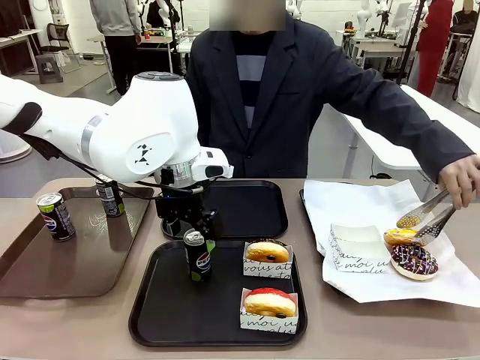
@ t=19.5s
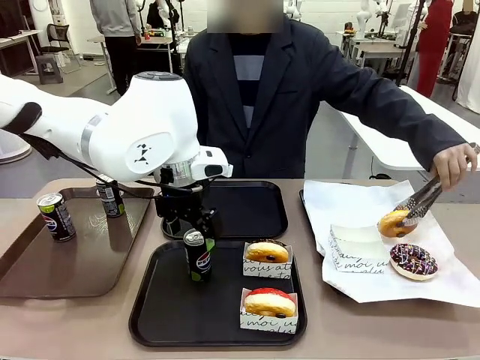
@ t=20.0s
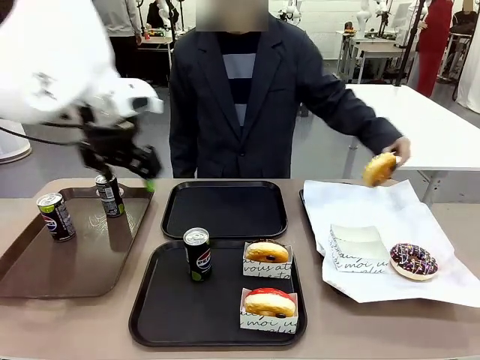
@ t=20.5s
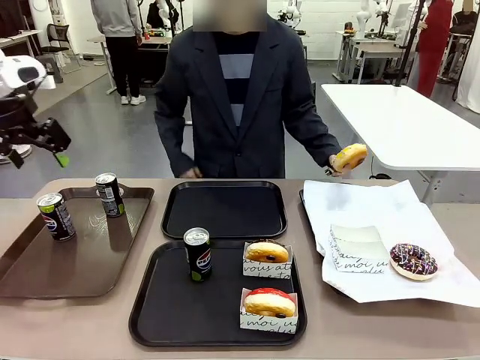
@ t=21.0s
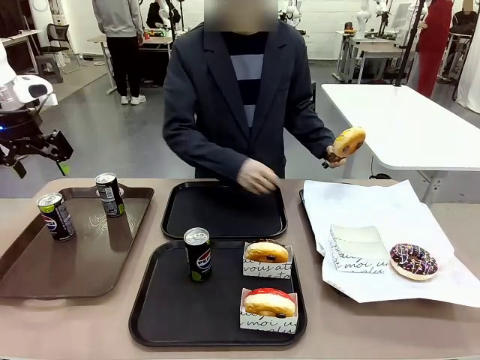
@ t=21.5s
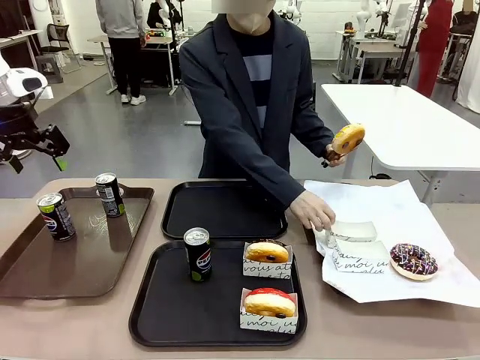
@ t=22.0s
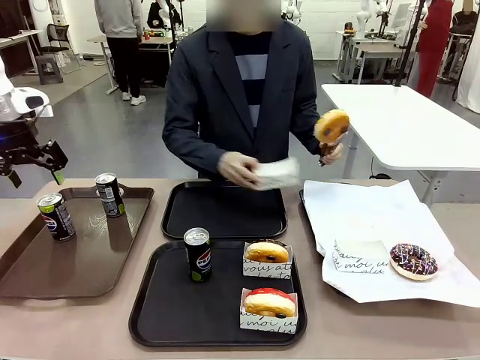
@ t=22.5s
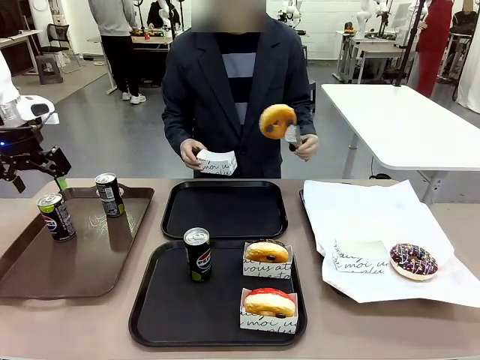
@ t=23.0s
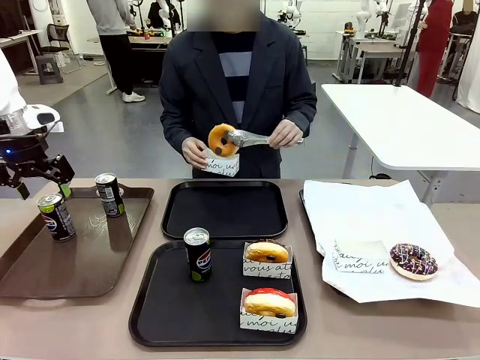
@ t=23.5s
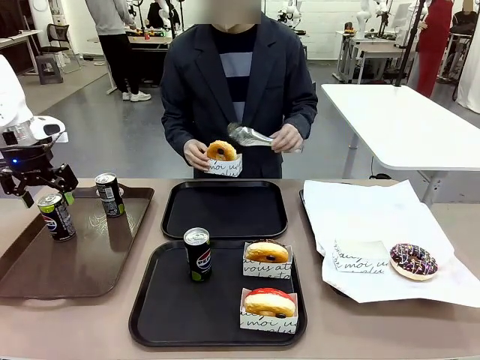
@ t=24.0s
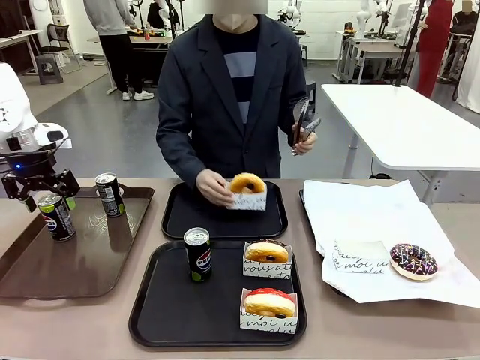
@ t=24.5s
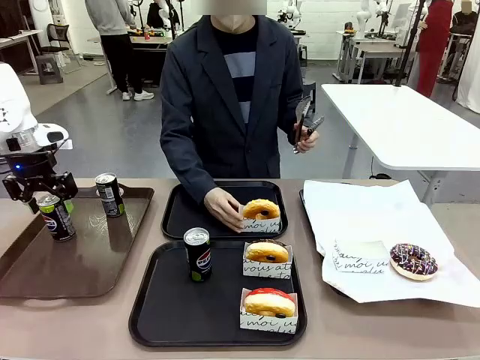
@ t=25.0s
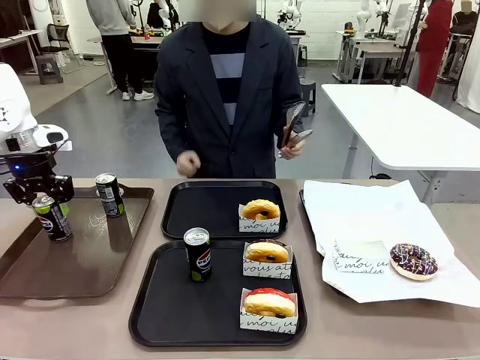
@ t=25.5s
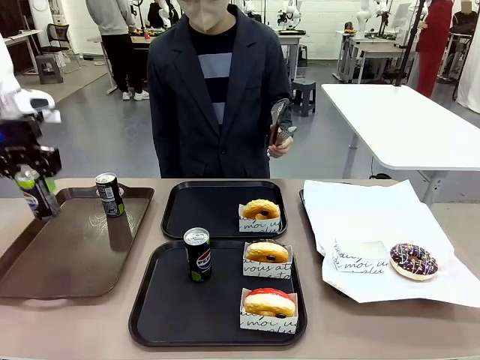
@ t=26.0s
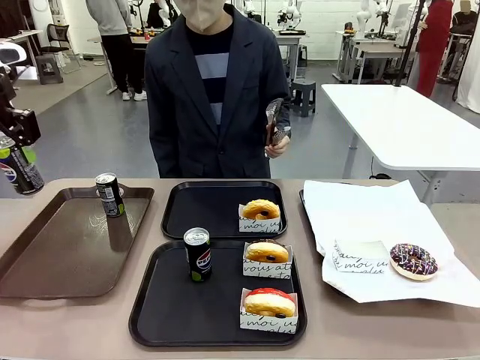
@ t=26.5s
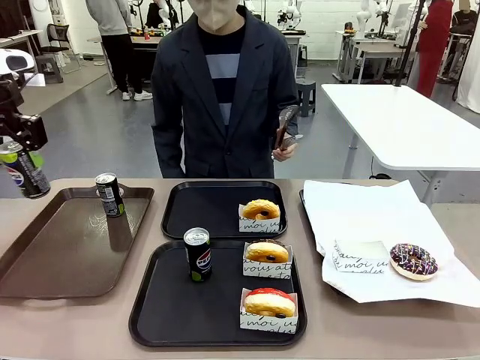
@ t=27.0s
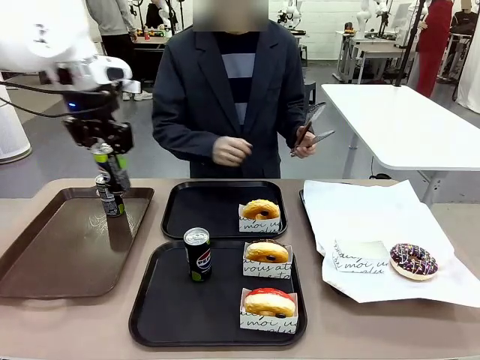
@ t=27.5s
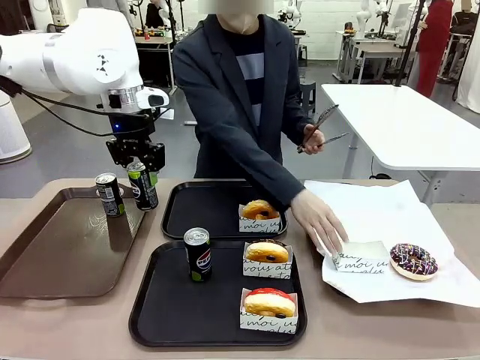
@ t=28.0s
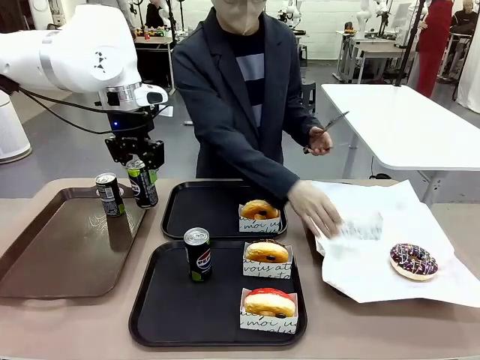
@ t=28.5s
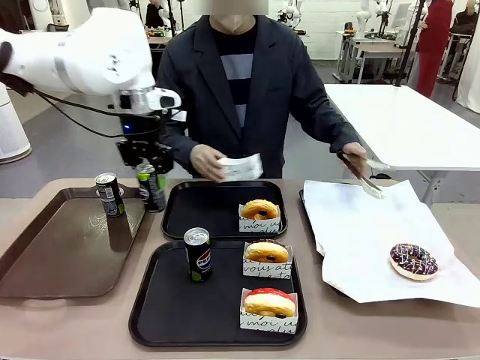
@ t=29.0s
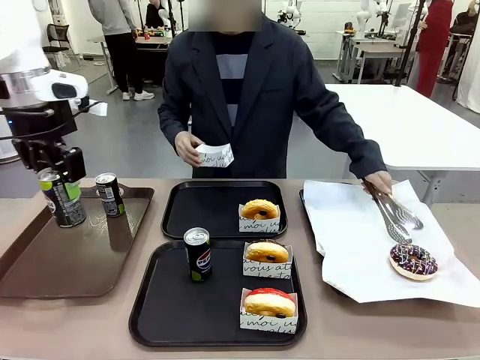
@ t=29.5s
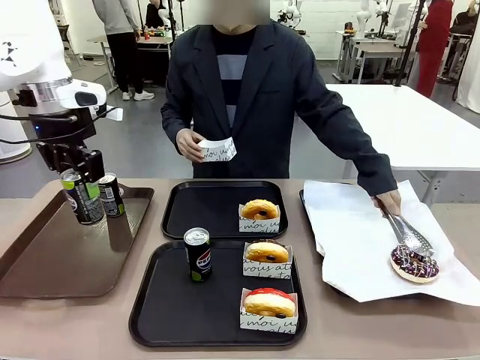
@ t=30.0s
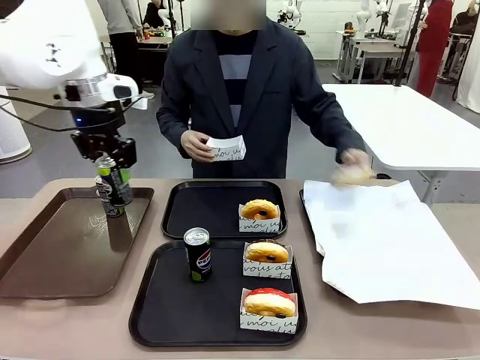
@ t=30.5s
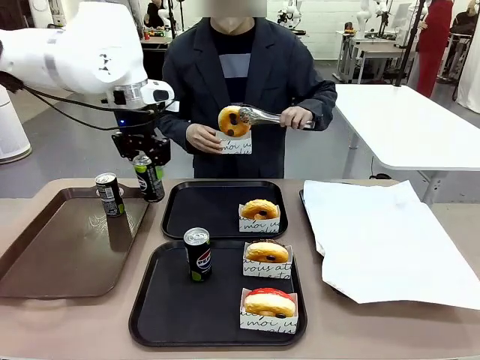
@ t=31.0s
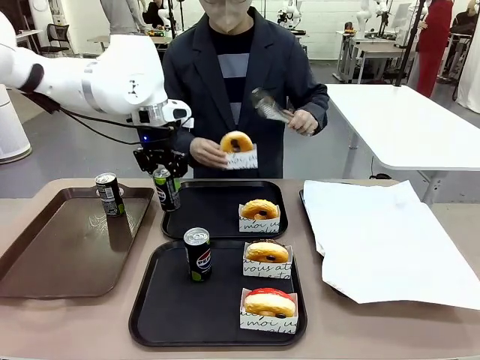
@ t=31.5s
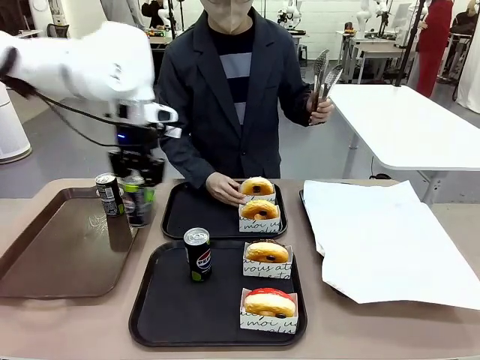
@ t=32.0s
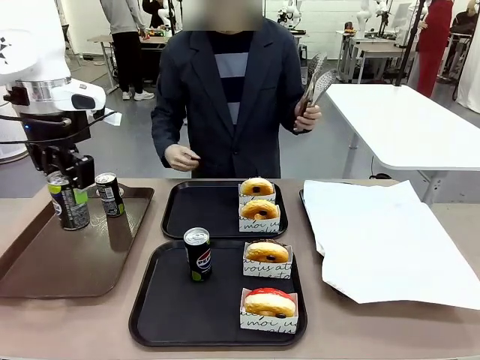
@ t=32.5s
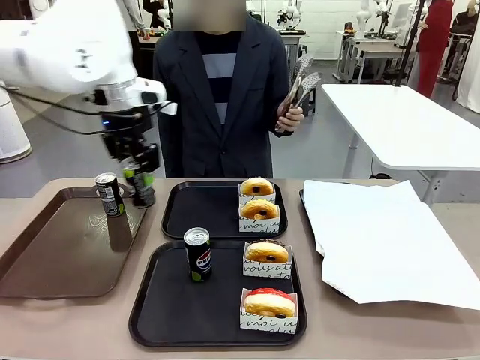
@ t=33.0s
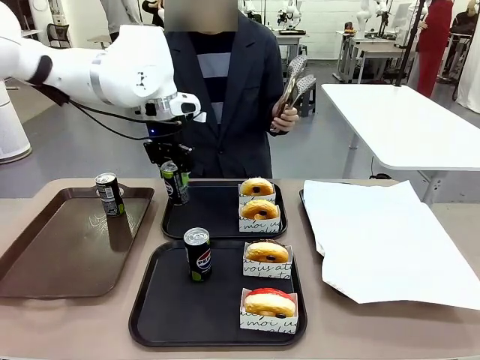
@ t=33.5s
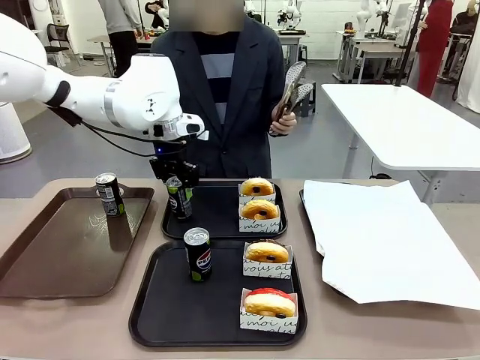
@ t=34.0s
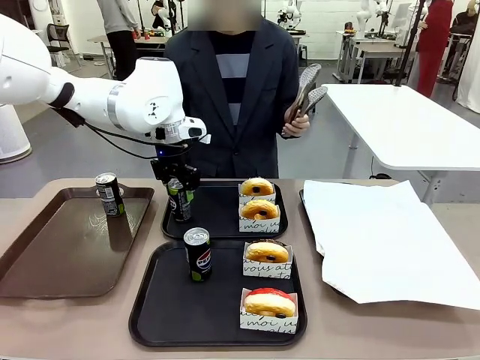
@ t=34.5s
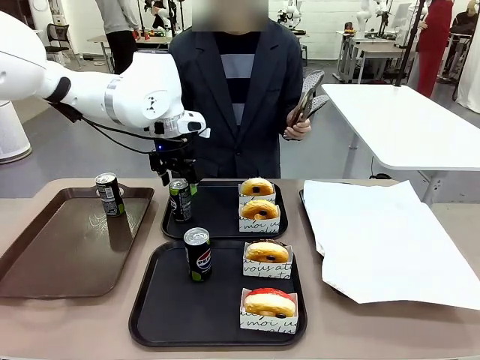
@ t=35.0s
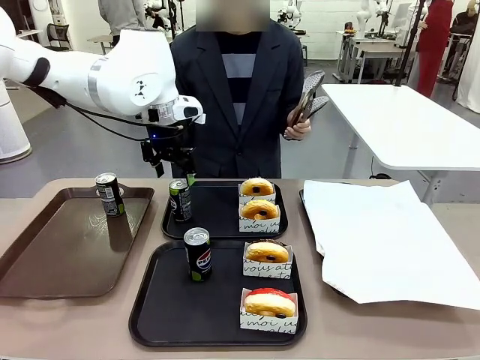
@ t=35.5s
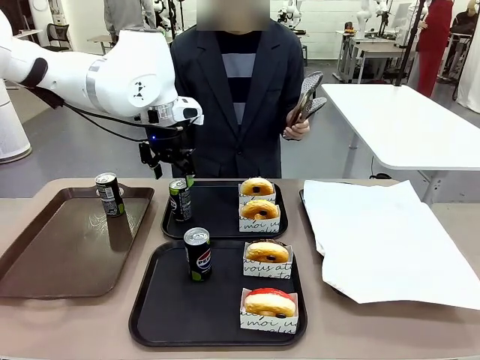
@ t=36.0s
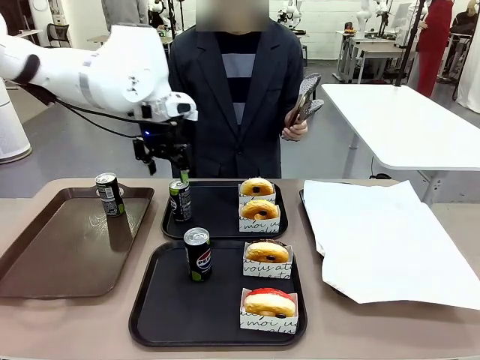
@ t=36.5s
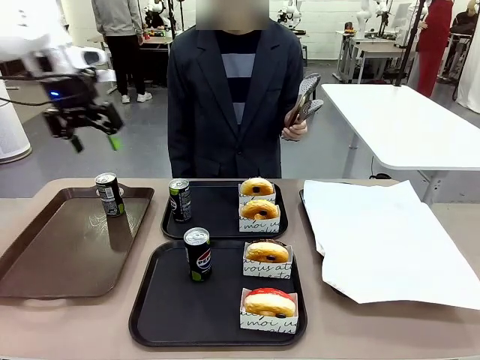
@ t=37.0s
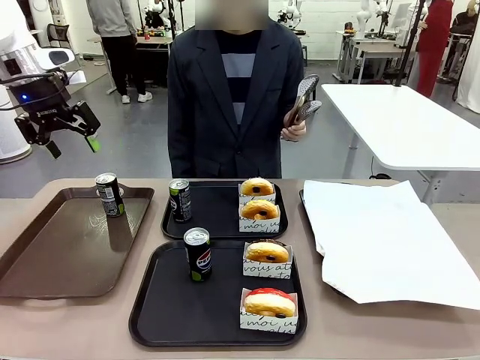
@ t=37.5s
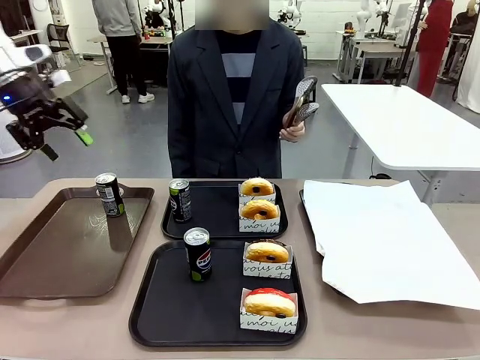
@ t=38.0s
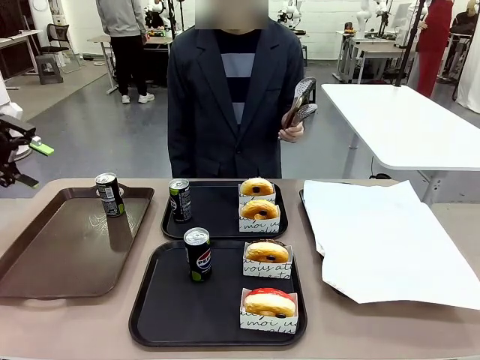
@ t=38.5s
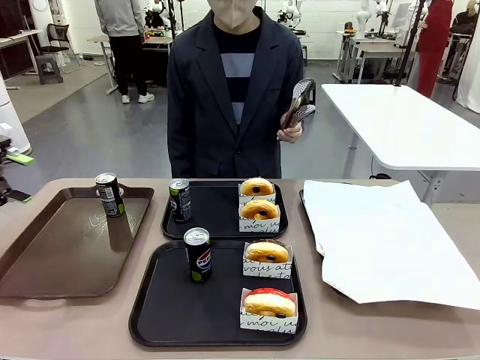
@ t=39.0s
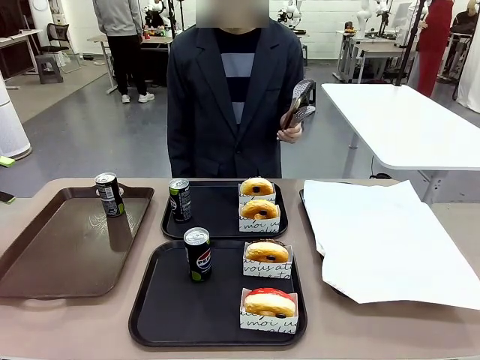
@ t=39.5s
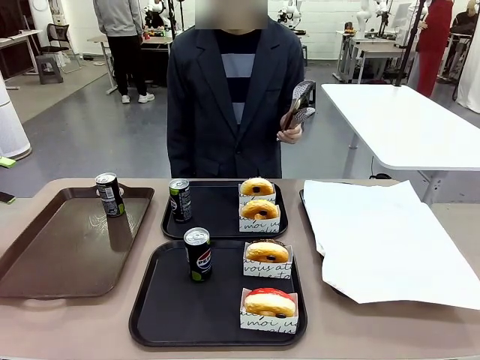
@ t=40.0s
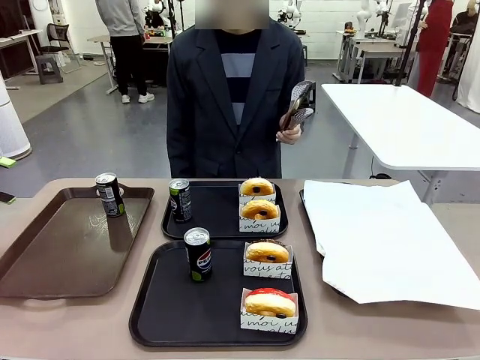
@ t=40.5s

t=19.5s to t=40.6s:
Task: Set up donuts and drinks on trays.
Robot: Pick up one Pepsi coke from the Handle tray and place it on the Flat Tray without a Pepsi coke.
Person: Pick up one donut with tongs, place it in the donut tray, and then place the donut tray on the flat tray.

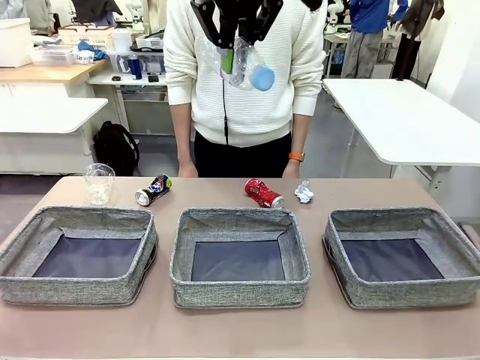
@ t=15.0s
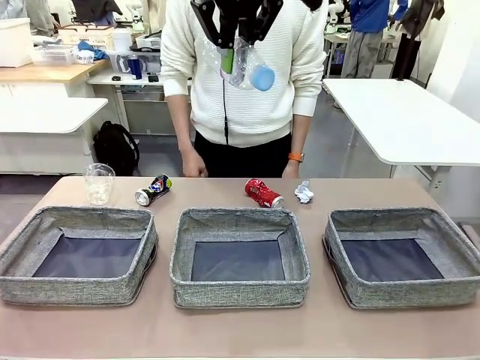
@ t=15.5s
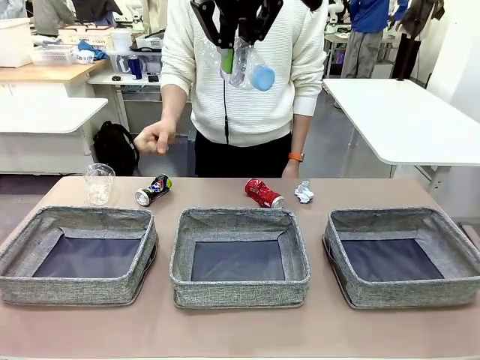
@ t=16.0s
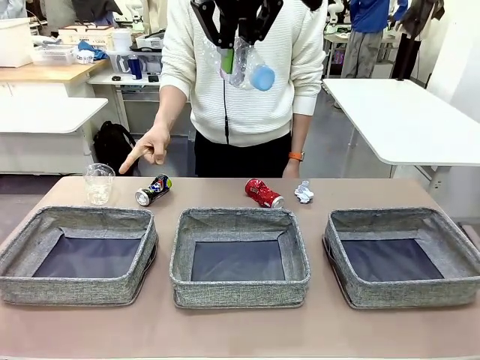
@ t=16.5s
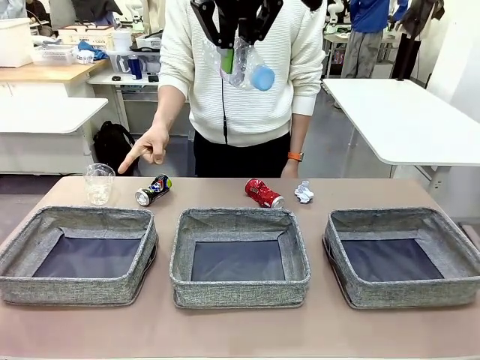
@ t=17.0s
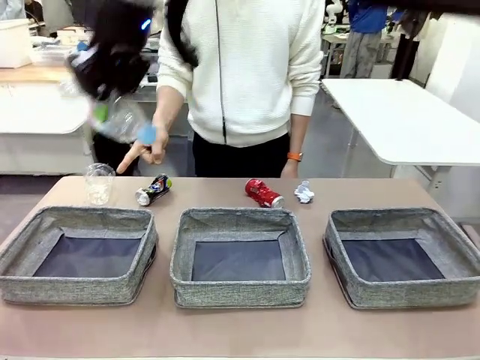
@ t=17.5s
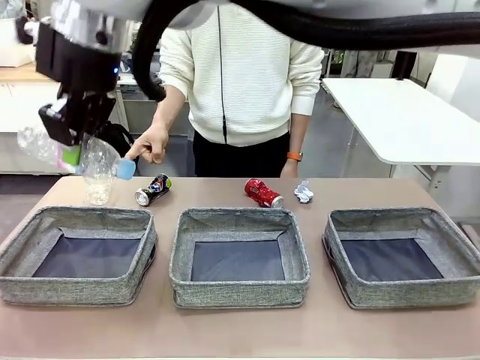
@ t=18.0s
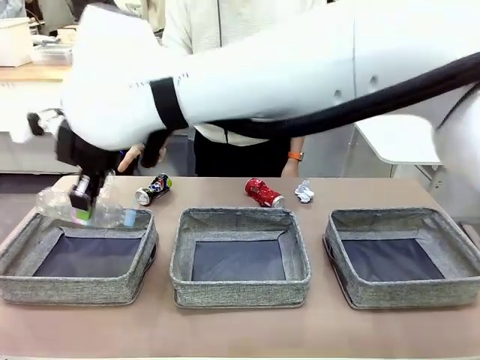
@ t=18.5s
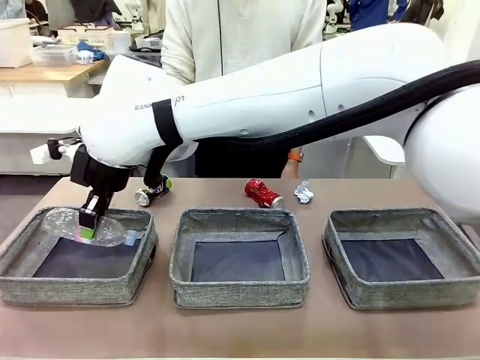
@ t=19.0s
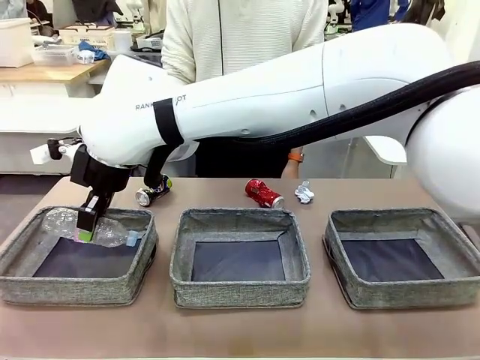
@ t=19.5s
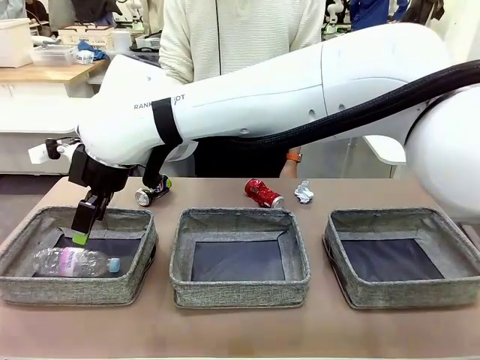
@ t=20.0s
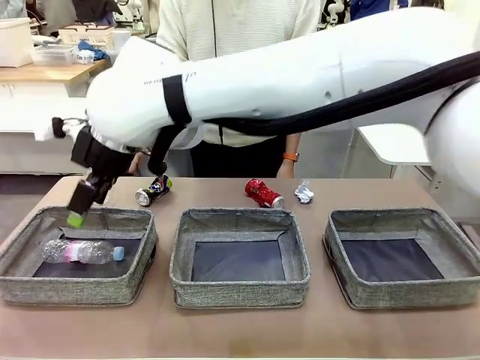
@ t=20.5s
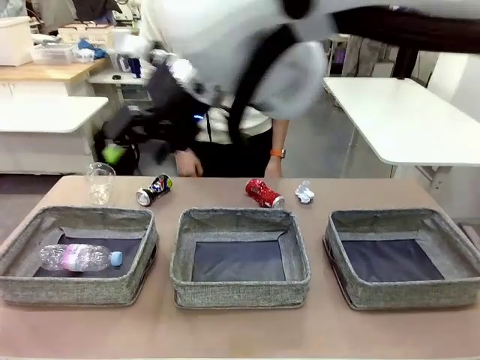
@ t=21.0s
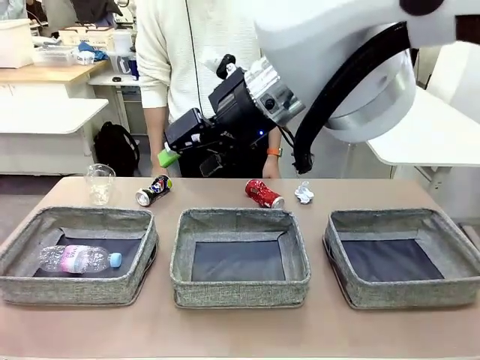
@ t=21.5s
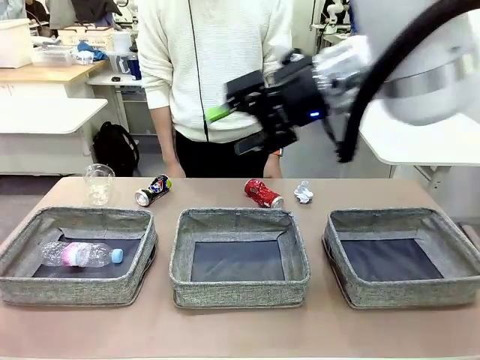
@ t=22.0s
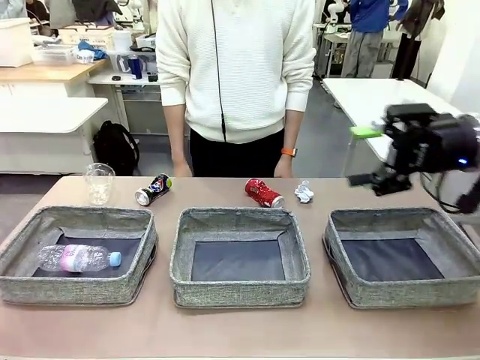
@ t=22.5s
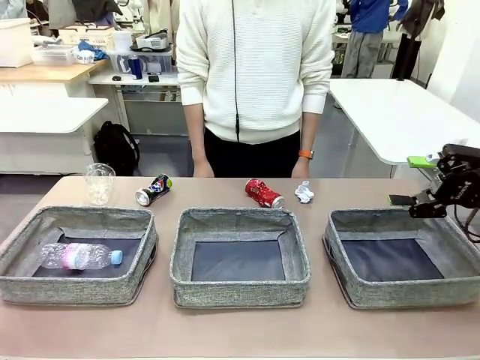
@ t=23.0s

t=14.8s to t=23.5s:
Task: Sort the waste into the appropriate baskets.
Robot: Place the picked waste into the Fabric basket indicated by the person.
Person: Instructs the robot to place the picked-up trash into the appropriate organizing basket.
